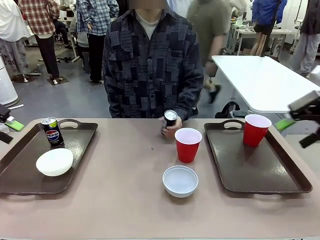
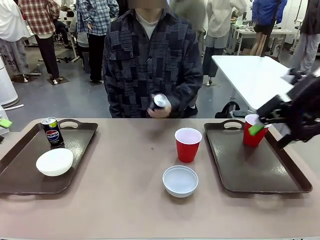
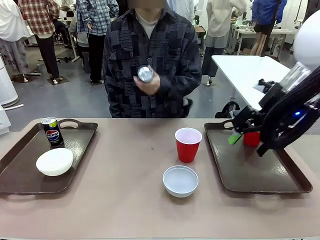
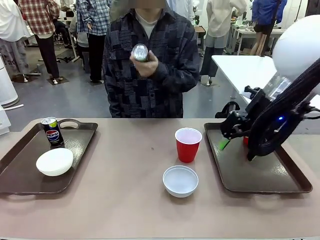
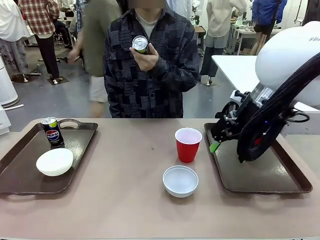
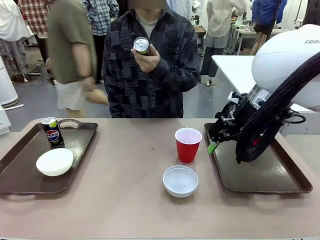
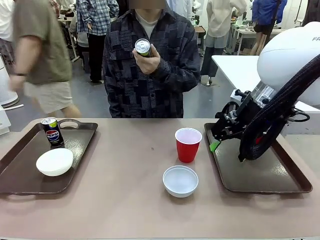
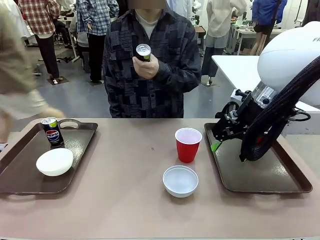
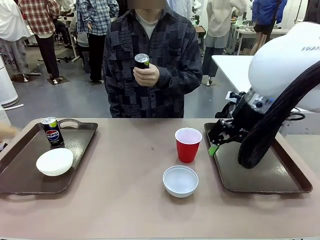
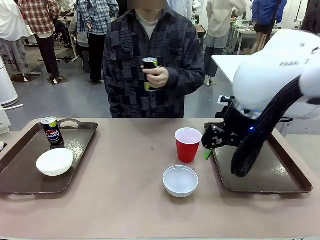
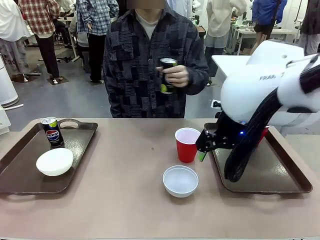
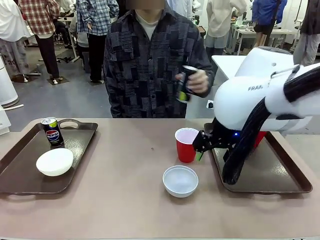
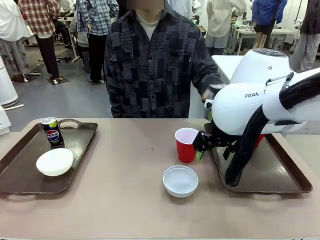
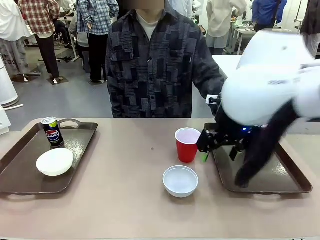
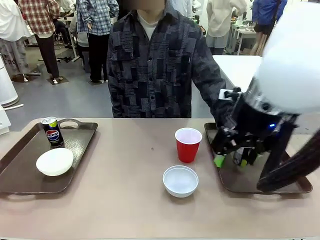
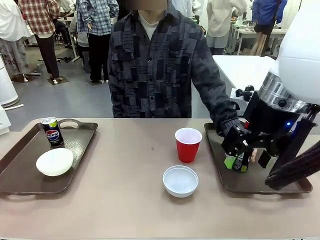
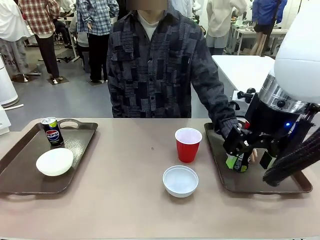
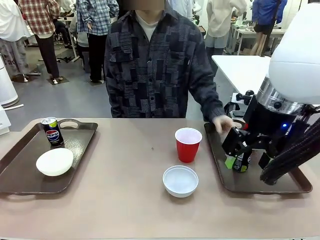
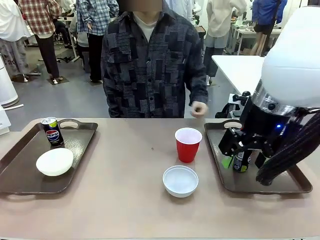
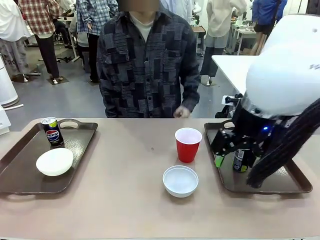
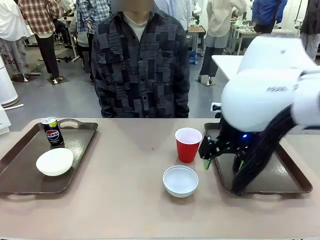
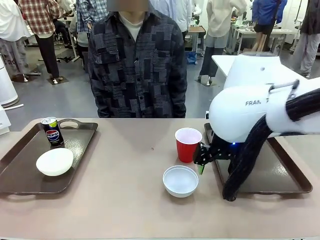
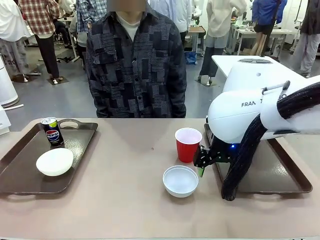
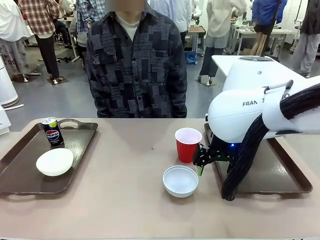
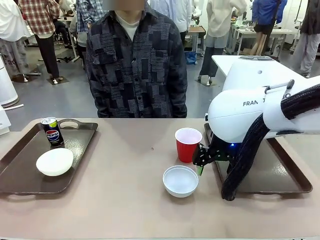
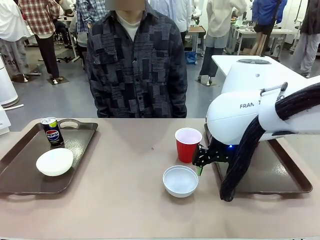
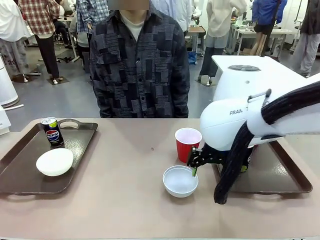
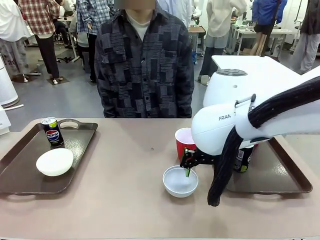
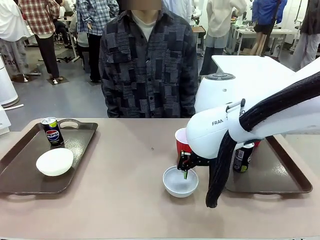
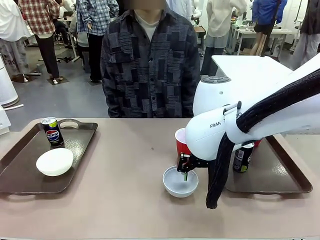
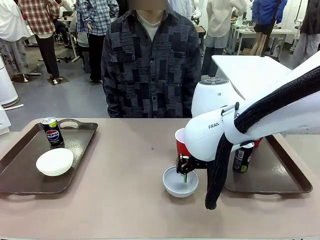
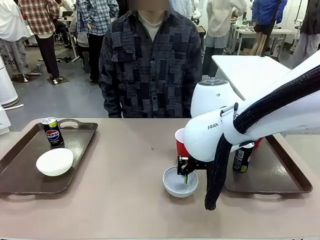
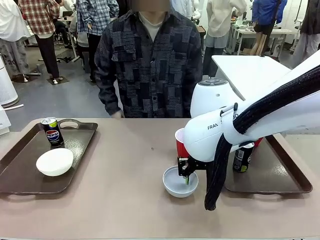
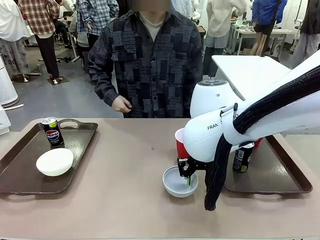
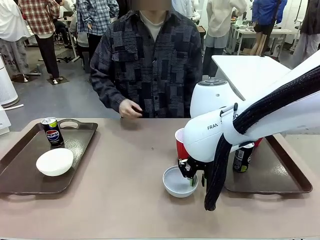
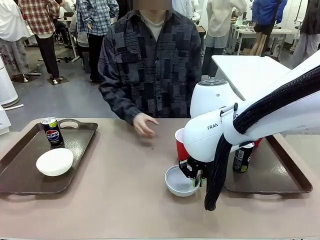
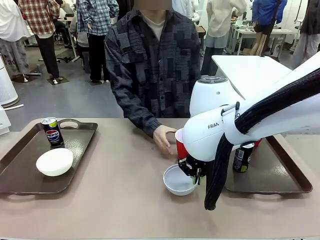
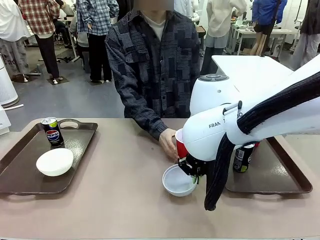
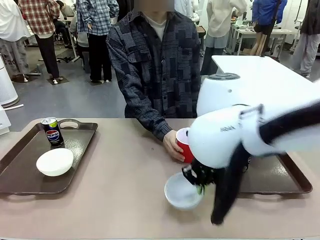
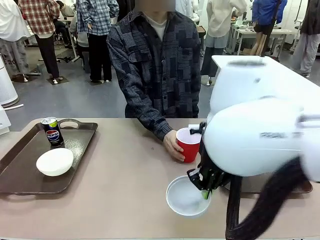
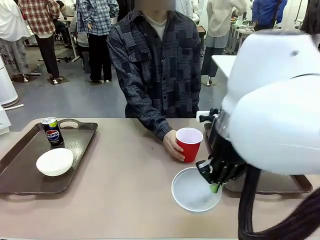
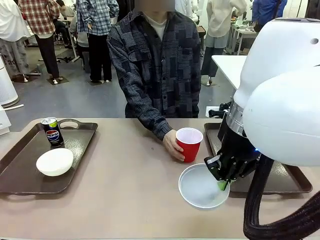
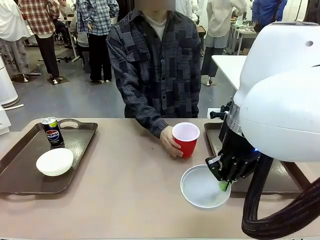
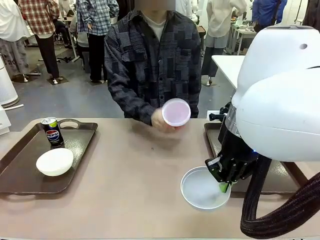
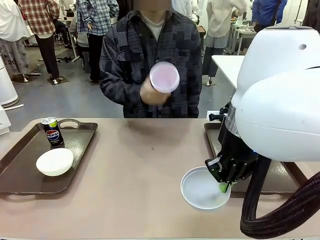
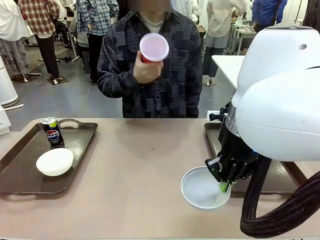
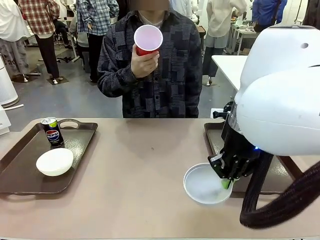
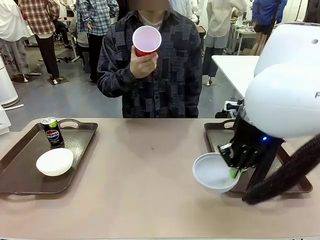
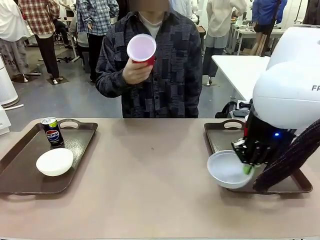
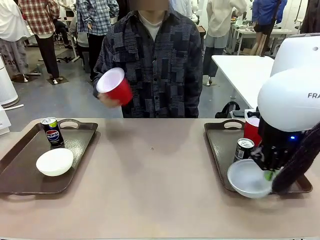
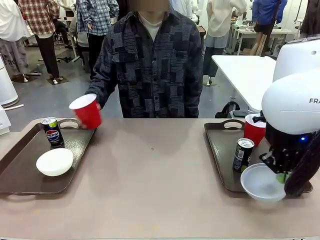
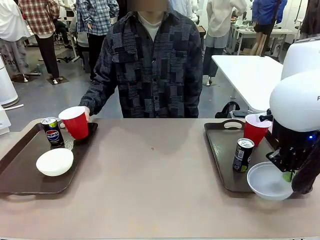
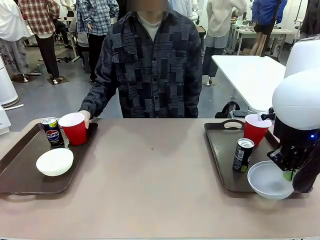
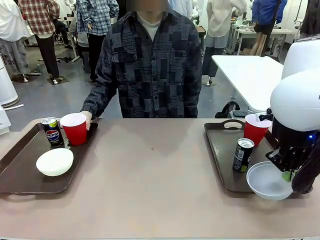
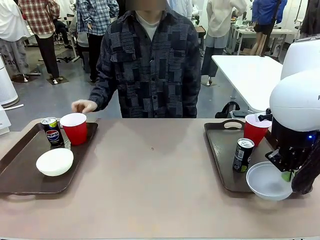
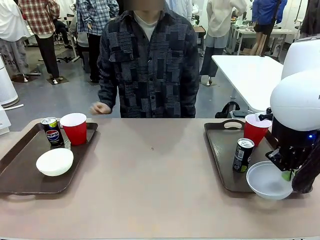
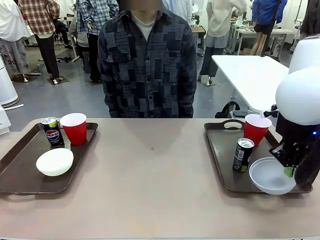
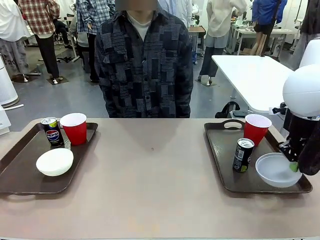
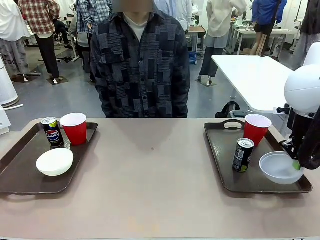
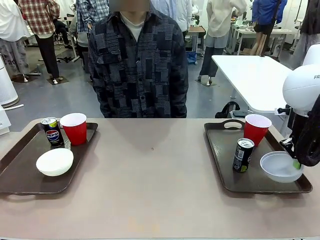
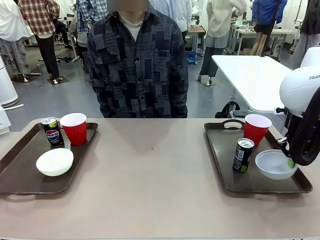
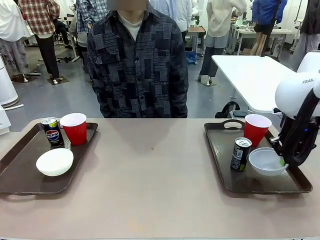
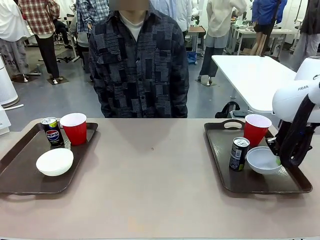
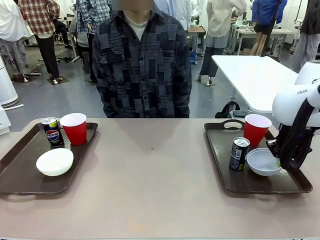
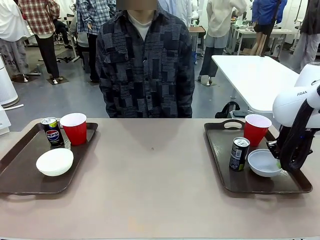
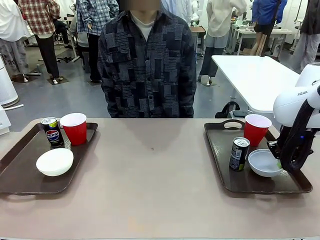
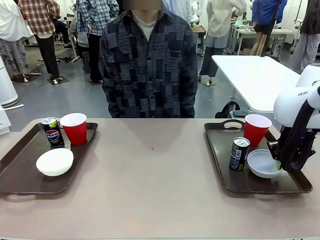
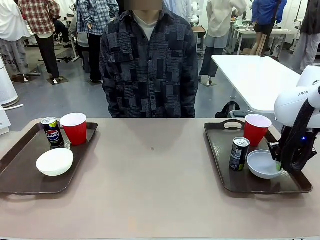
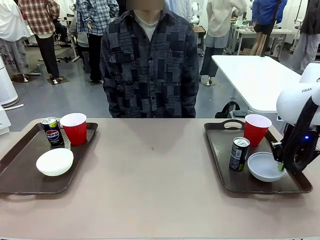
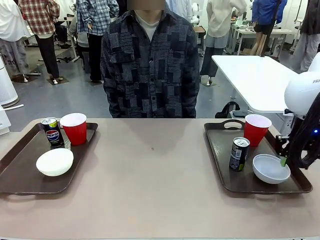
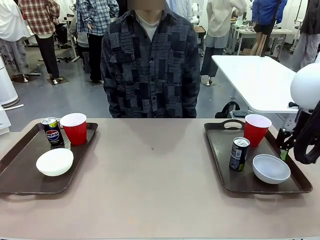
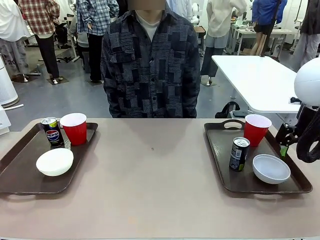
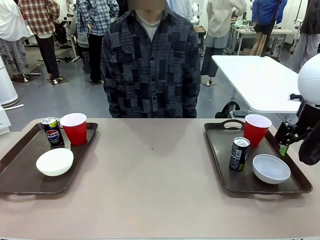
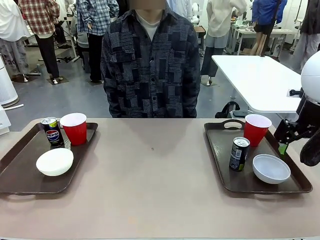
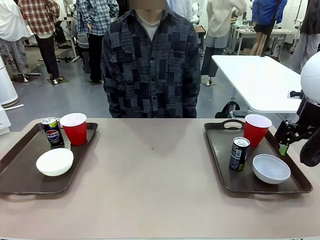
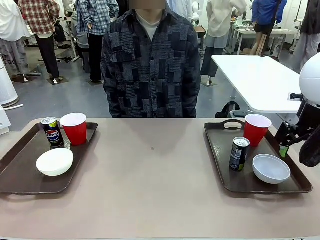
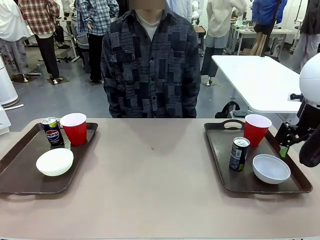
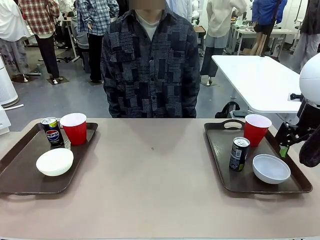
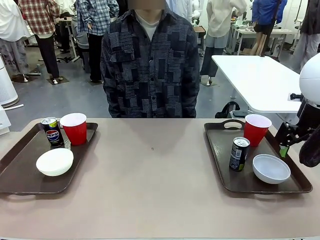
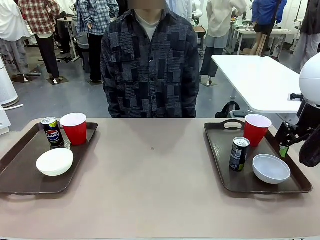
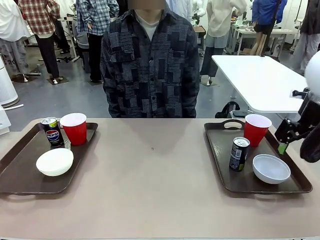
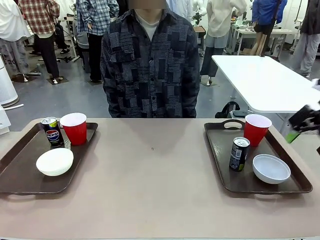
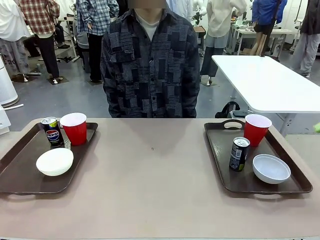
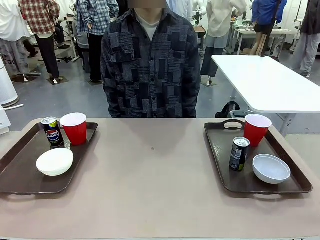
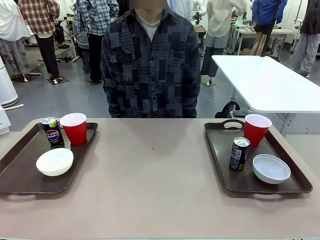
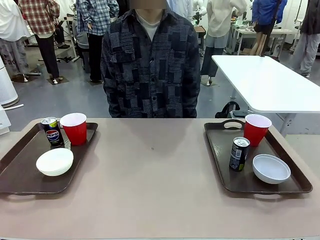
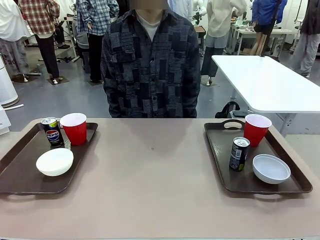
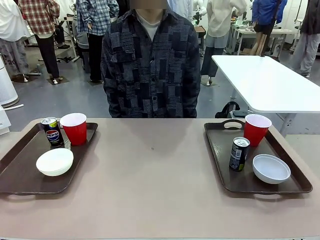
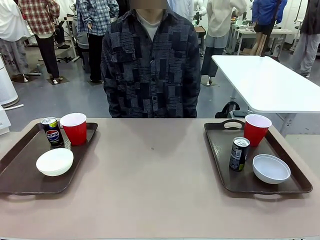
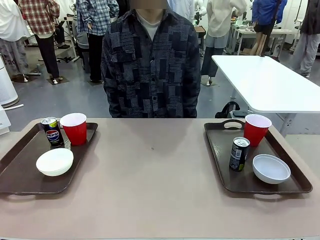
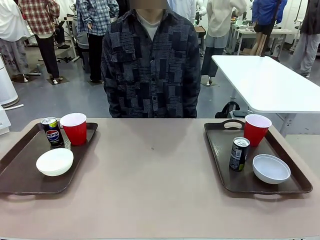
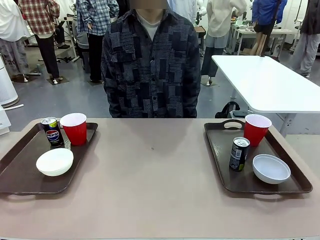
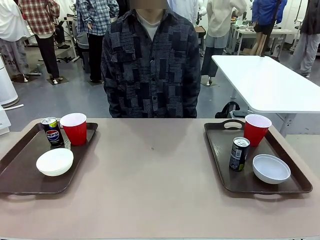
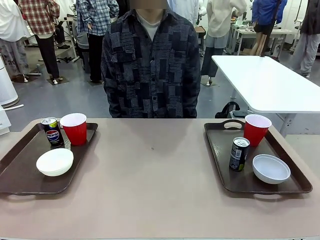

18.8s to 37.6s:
Task: Prepare tableware on both trays.
Robot: Pick up a Picnic Bowl from the table and place it on a Handle tray.
Person: Pick up a can or cup and place it on the tray without a can or cup.
